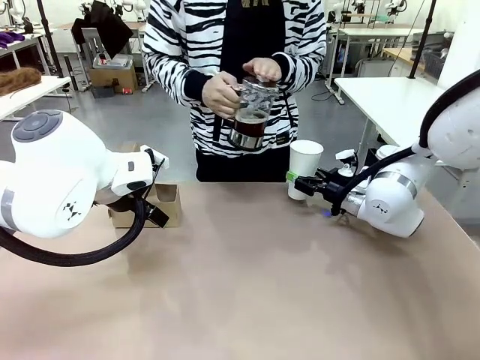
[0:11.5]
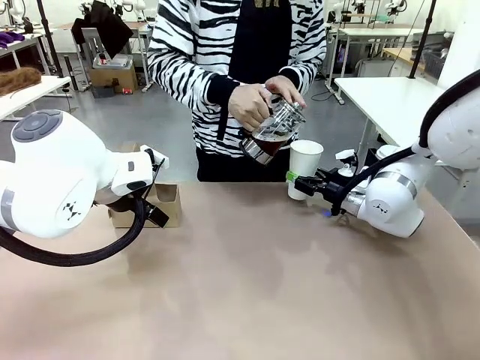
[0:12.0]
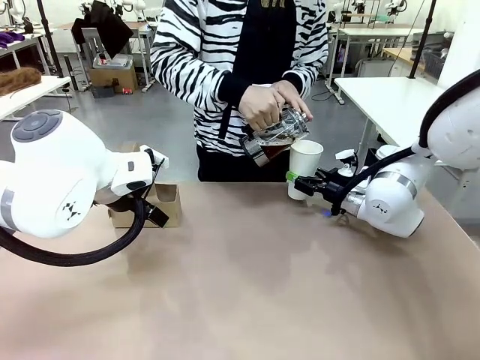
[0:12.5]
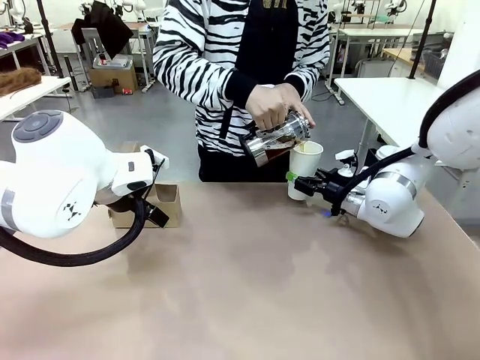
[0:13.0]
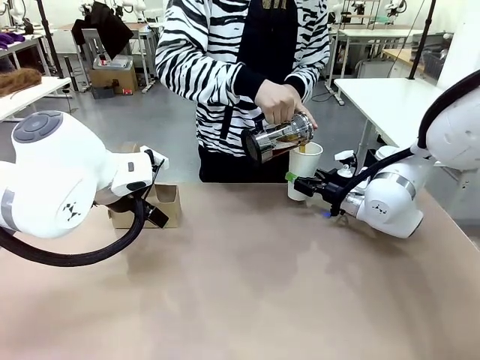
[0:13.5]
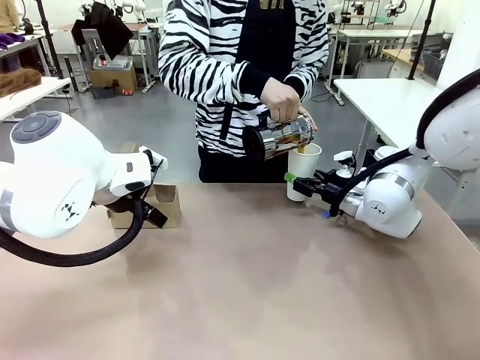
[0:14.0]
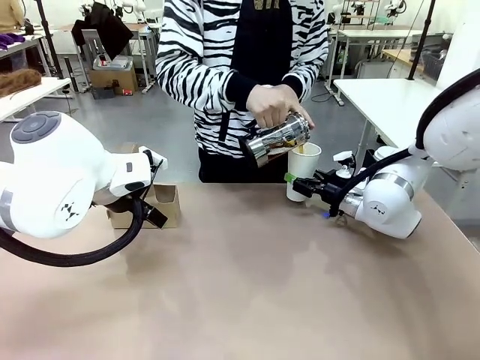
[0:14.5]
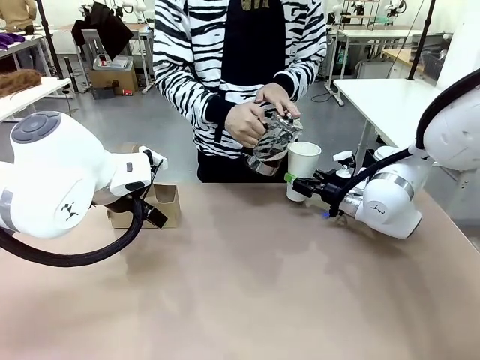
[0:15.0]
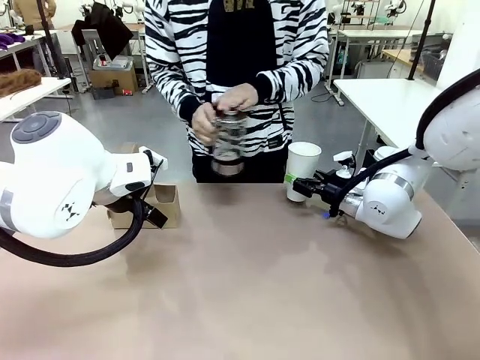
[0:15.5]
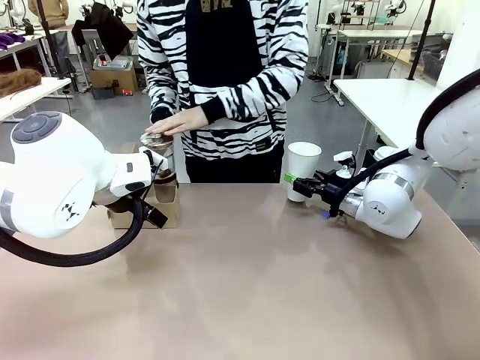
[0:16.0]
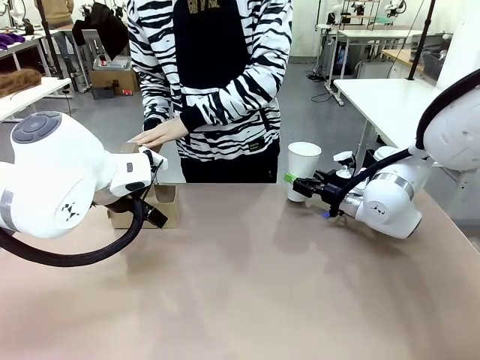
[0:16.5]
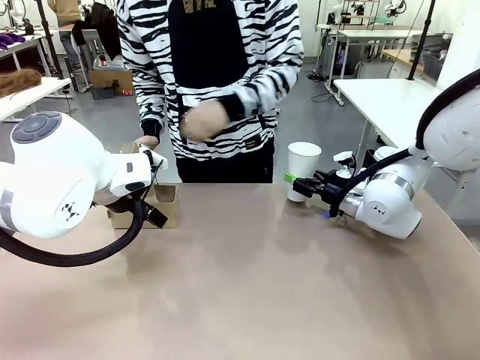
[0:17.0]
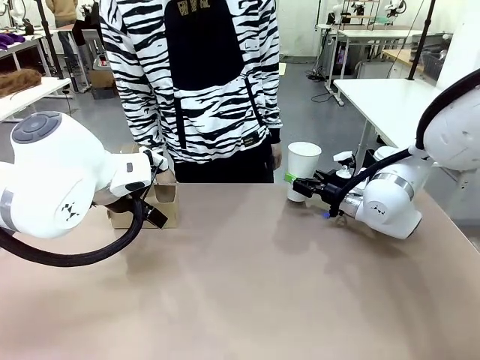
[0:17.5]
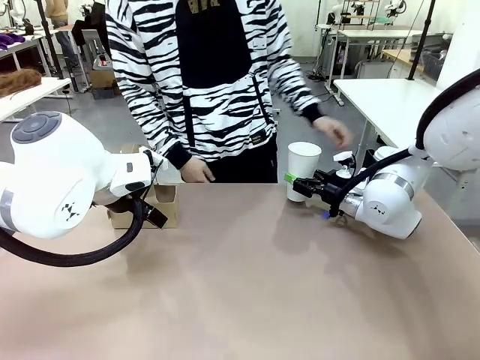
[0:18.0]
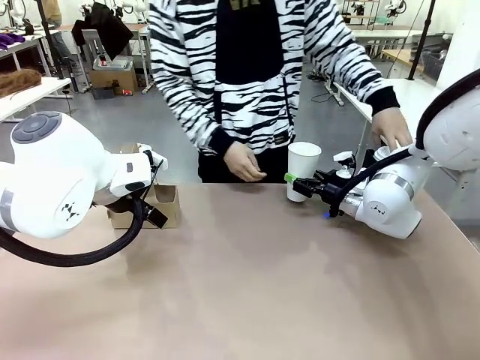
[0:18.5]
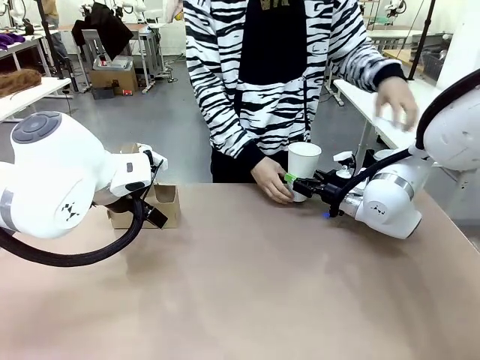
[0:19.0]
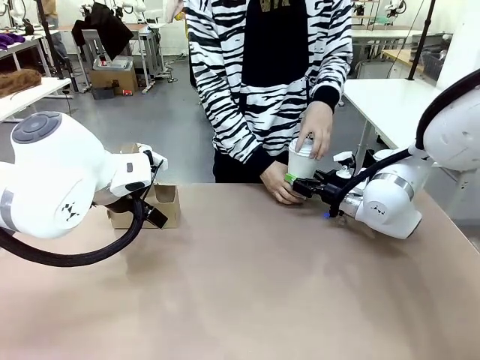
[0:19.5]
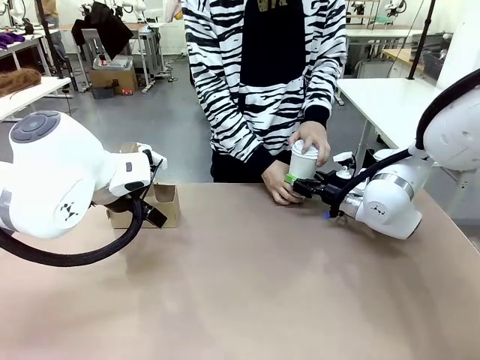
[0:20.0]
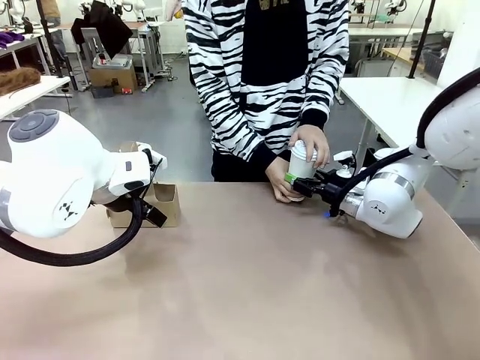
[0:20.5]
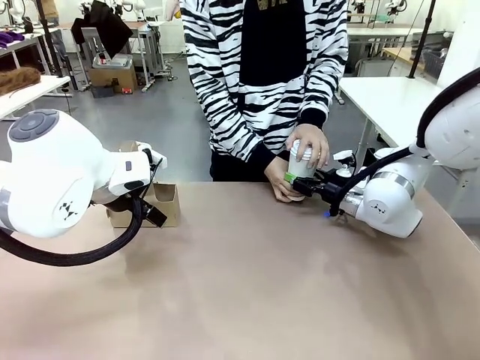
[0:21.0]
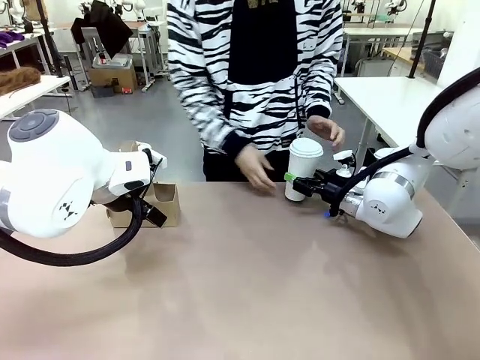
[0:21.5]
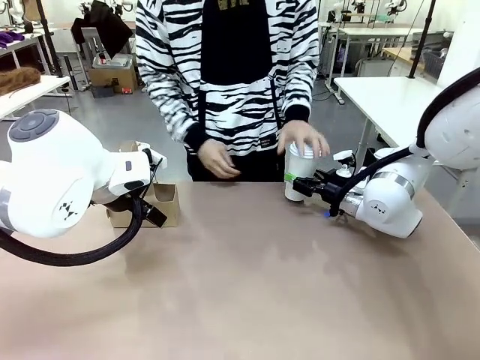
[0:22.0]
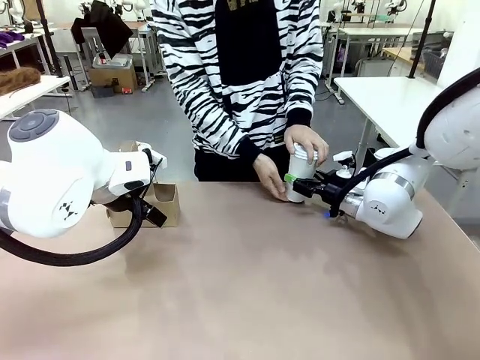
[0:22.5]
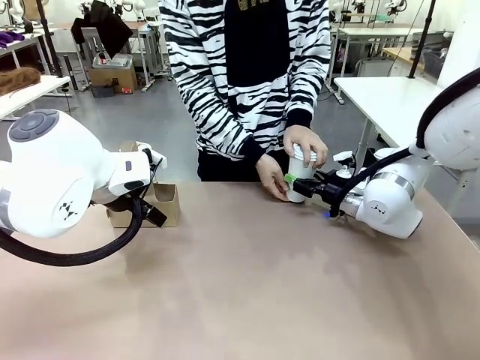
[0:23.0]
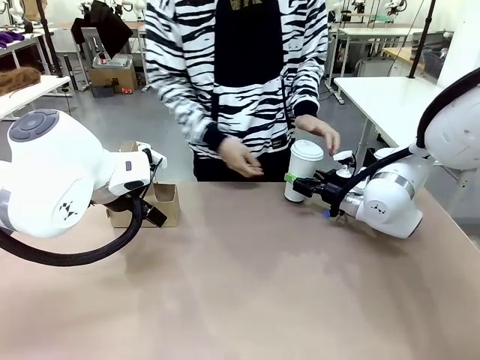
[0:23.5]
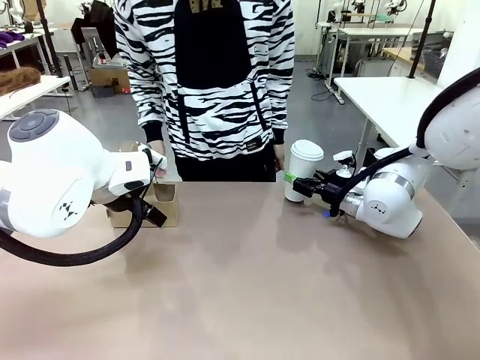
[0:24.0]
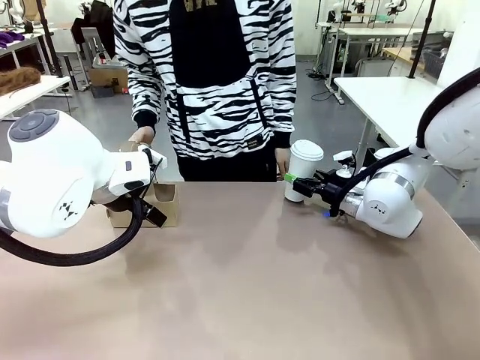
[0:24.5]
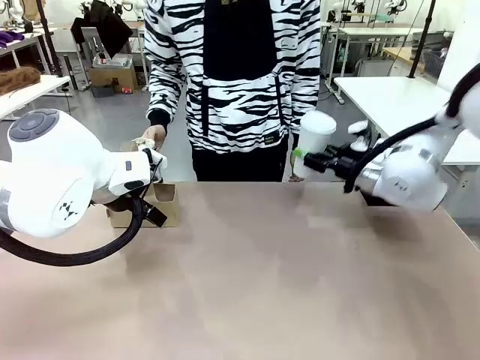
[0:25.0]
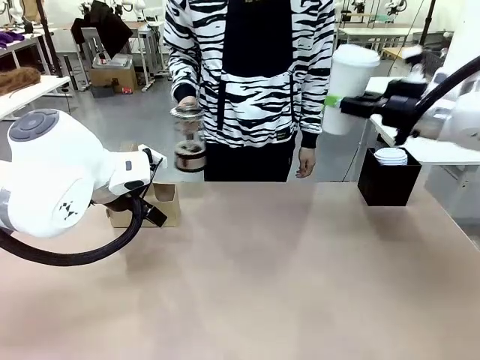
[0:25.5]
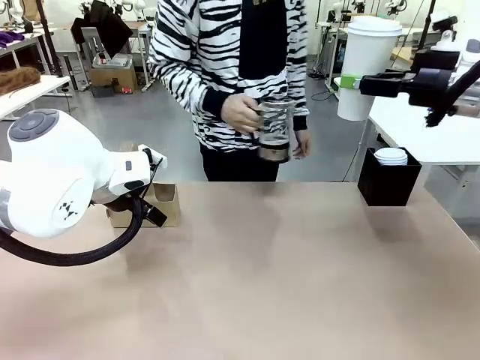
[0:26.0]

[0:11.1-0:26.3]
Task: Pour a drink into a cup and package it in a carrier.
Robot: When a person places the Paper Cup Lid on the 600 ml Paper Cup , lift the 600 ml Paper Cup.
Person: Pour the drink from the Filter Brewing into the 600 ml Paper Cup. Place a Paper Cup Lid on the 600 ml Paper Cup.

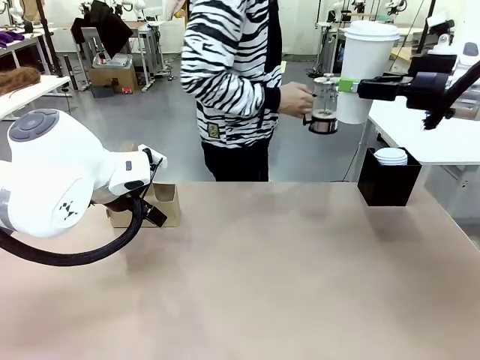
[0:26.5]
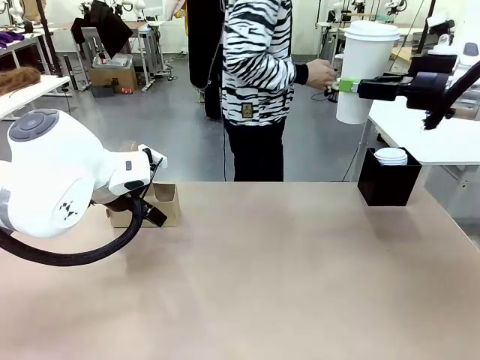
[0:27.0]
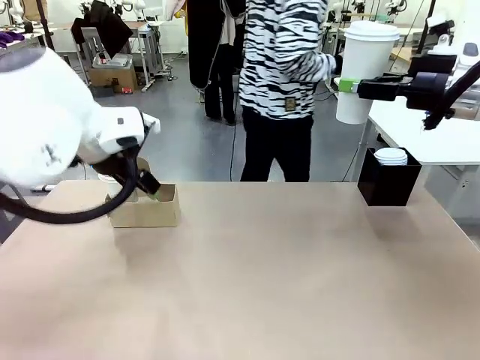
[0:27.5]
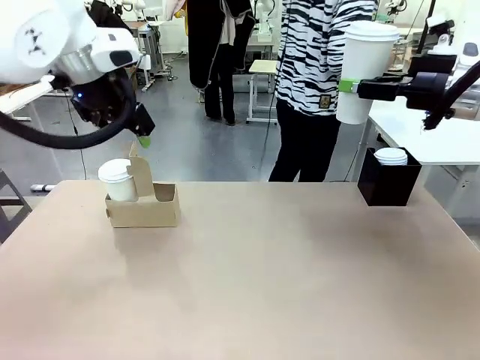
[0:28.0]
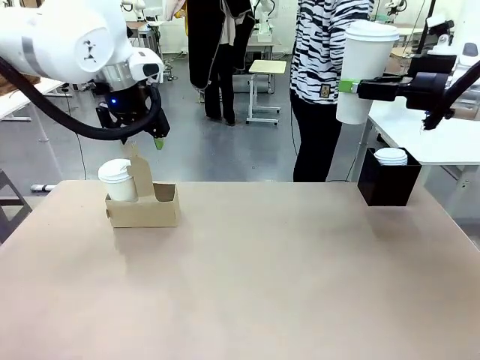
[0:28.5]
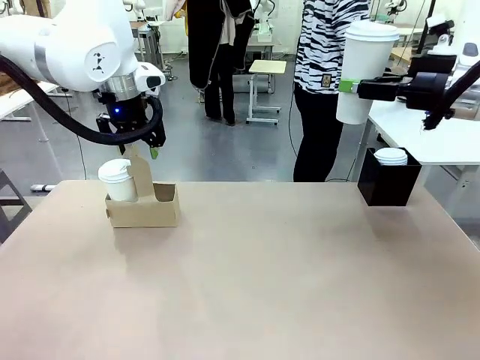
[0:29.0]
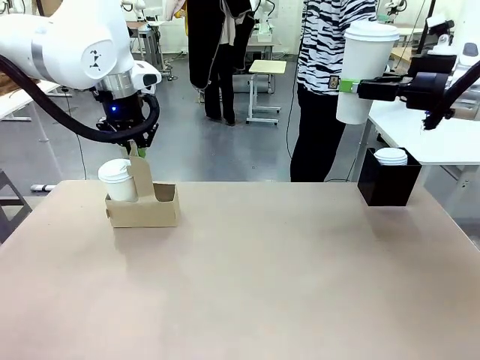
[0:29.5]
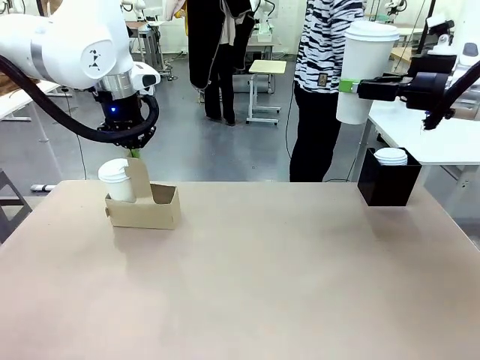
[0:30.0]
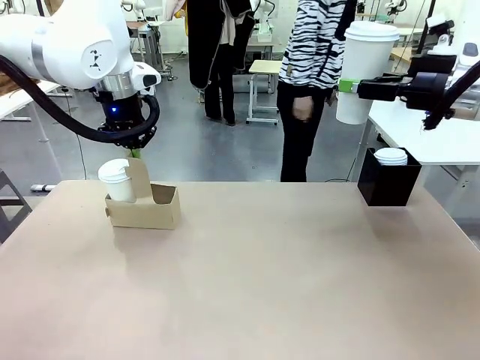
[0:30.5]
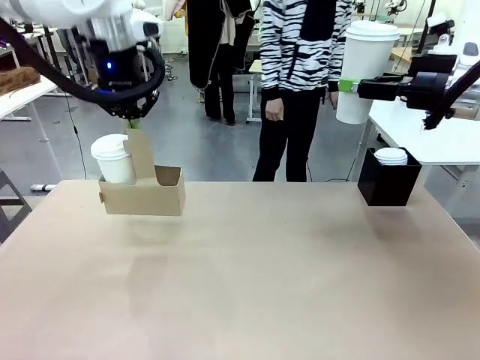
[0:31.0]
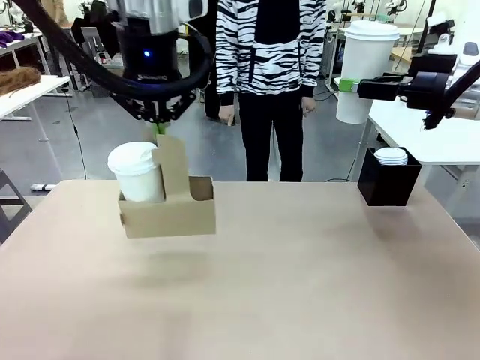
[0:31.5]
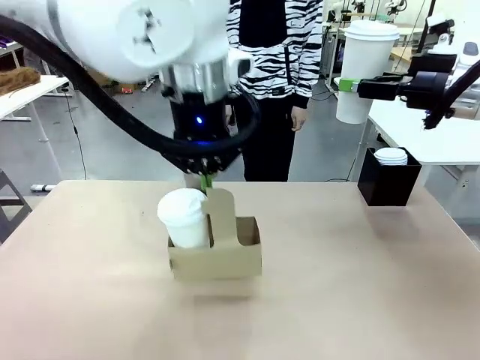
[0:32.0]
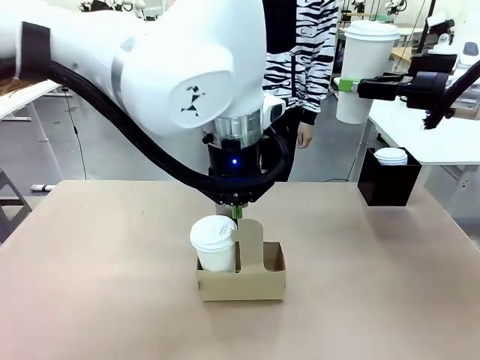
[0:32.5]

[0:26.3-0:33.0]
Robot: Position the Cup Carrier in the center of the table.
Person: Pick up the Filter Brewing and place on the middle of Human table, and return to the Robot table.

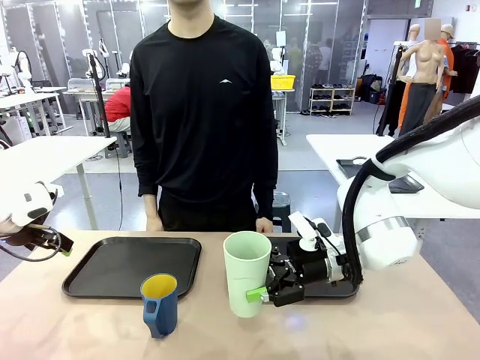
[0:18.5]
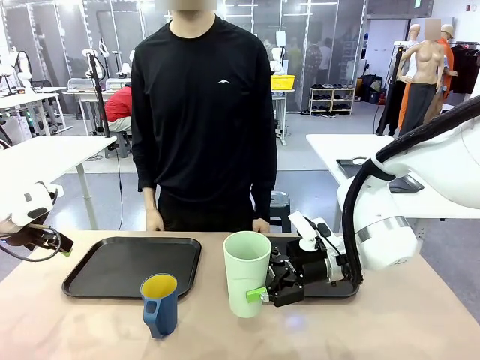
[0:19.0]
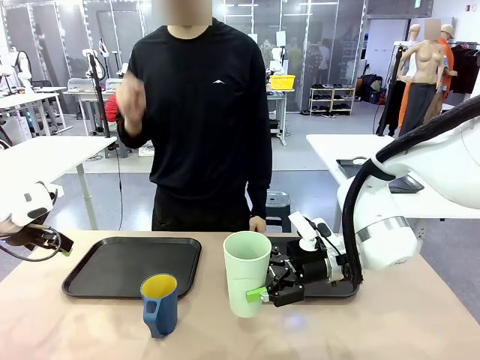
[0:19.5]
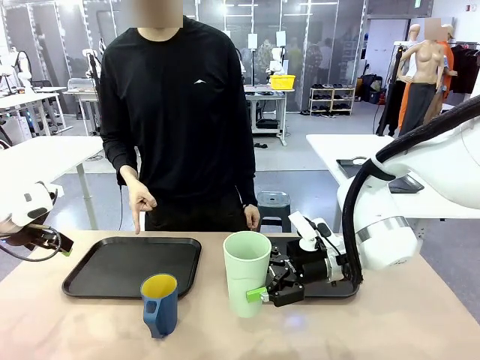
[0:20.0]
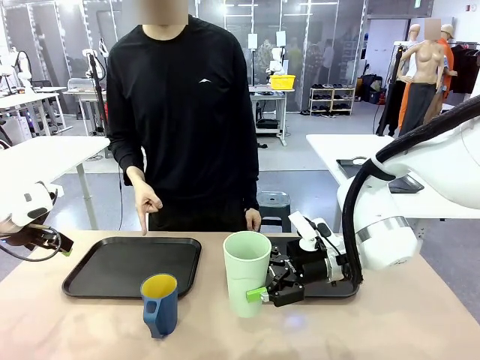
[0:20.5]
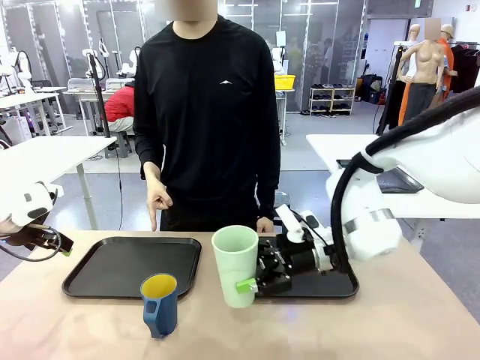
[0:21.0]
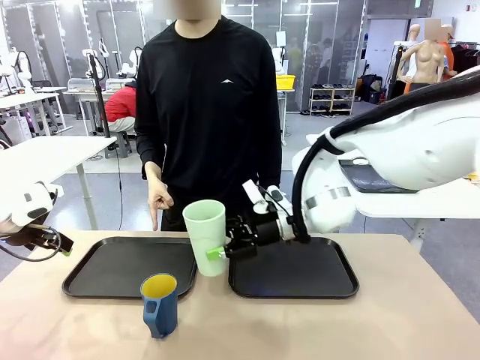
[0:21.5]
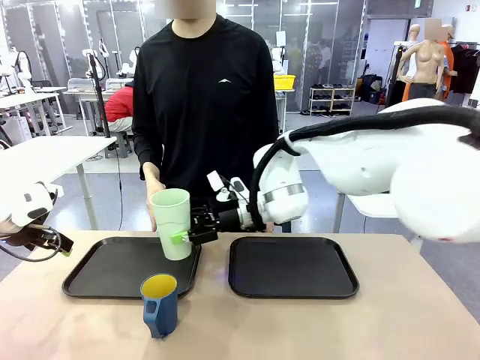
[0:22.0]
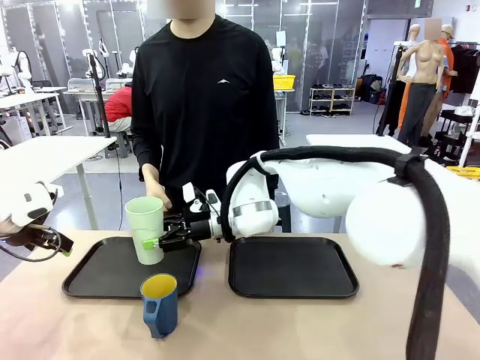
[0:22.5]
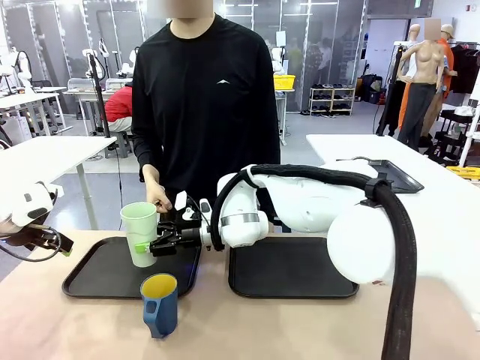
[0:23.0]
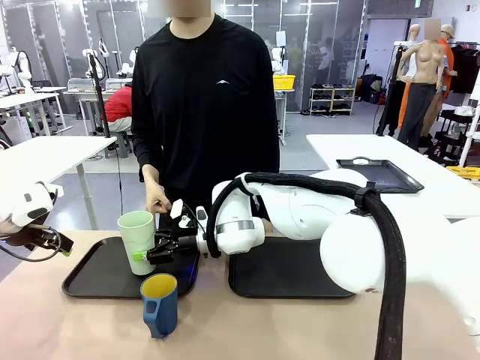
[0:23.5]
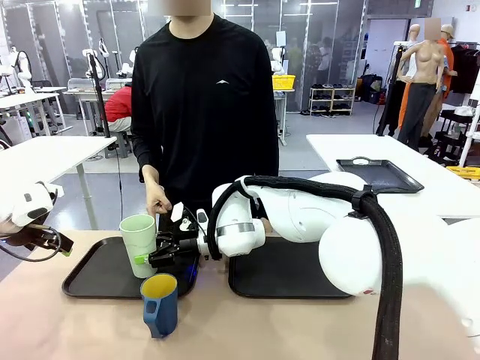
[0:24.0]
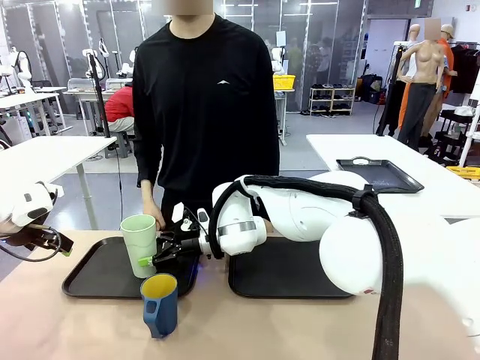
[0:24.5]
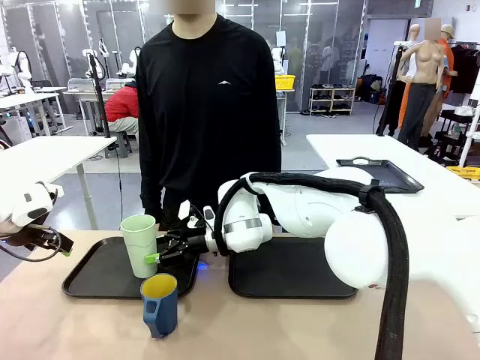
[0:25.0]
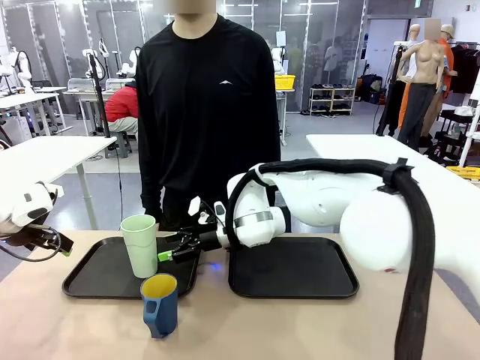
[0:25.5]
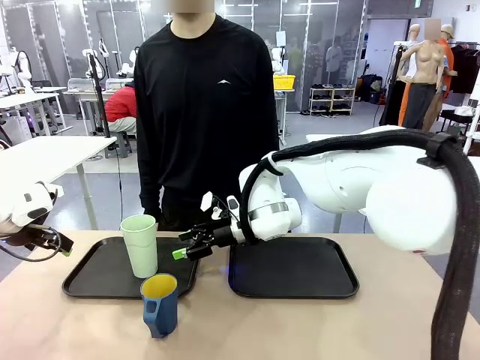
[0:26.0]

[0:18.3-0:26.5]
Task: Sort and store the cups by type.
Robot: Place the picked Reusable plastic cup into the Flat Tray indicated by the person.
